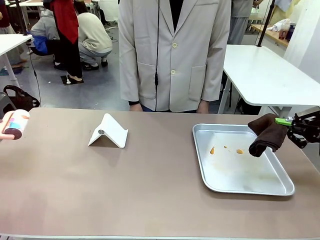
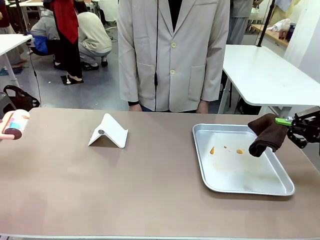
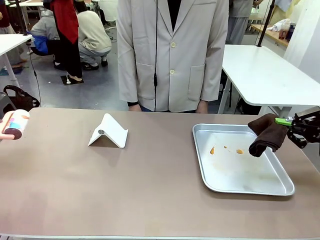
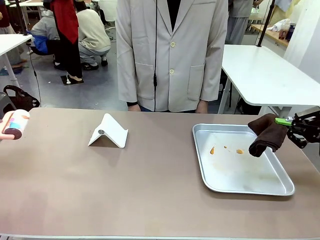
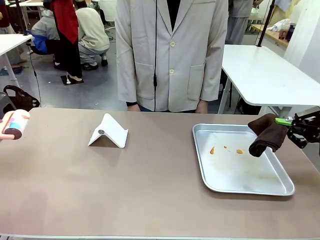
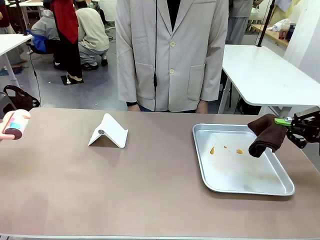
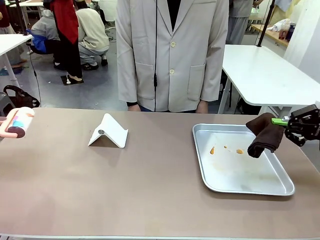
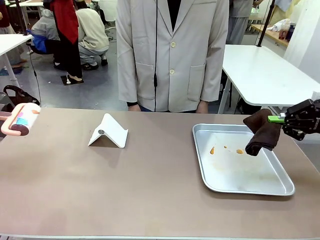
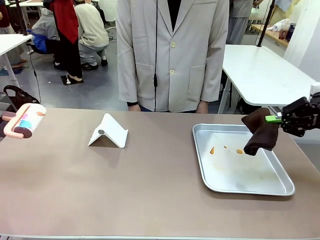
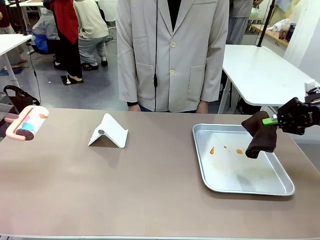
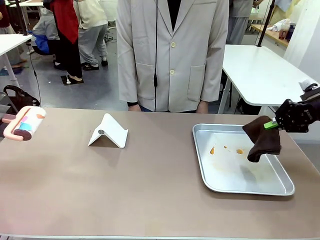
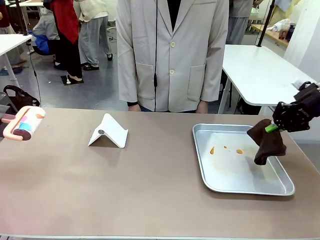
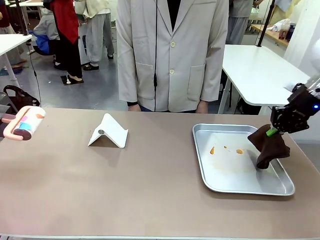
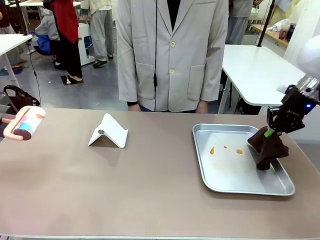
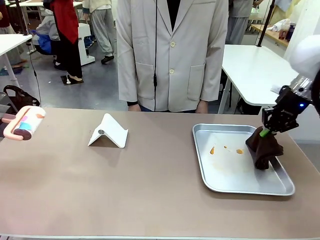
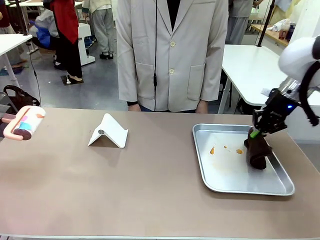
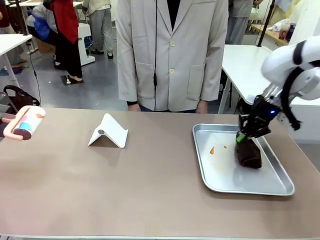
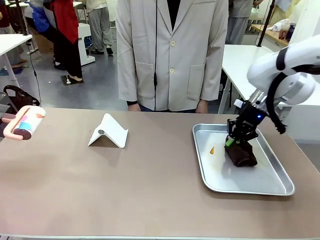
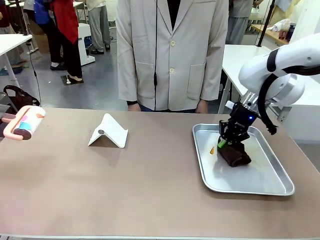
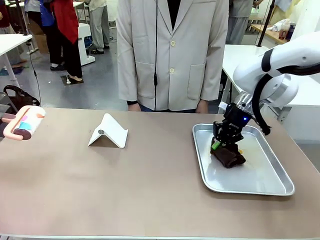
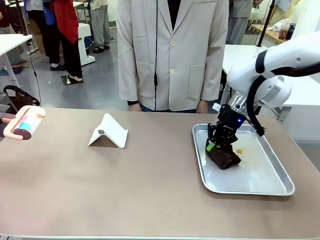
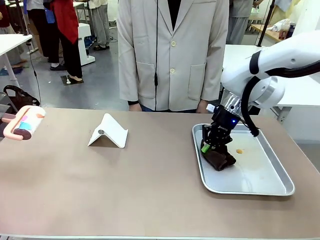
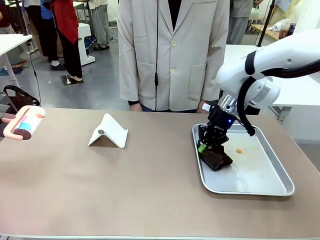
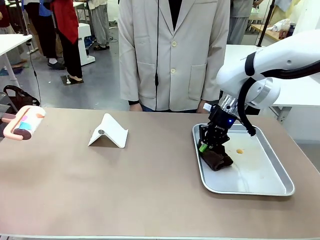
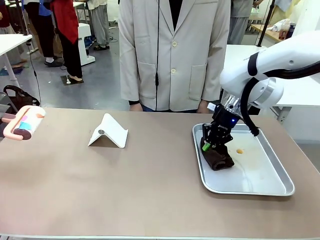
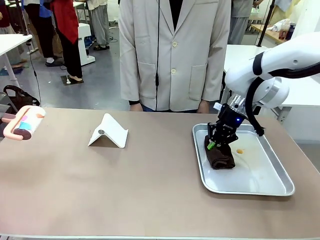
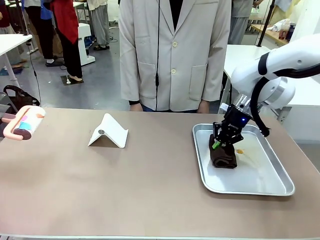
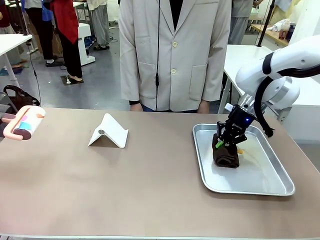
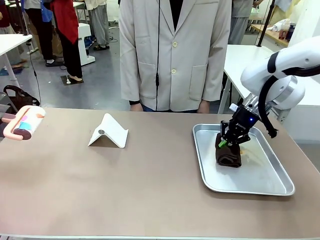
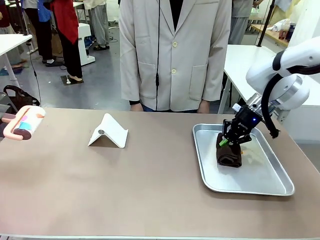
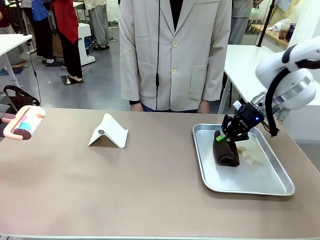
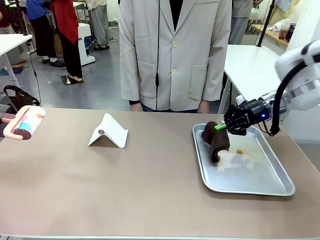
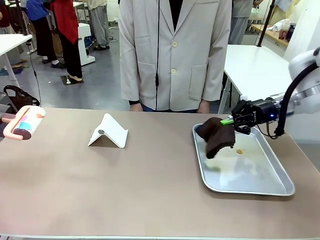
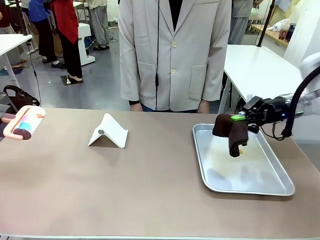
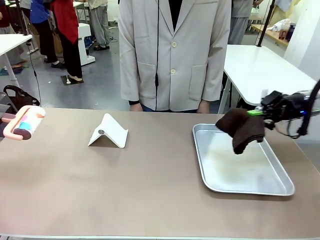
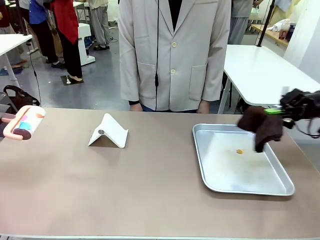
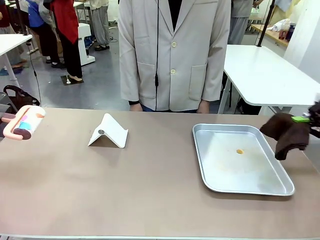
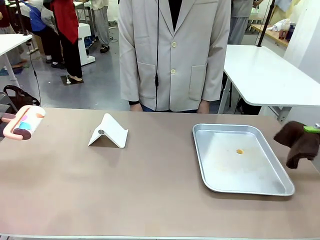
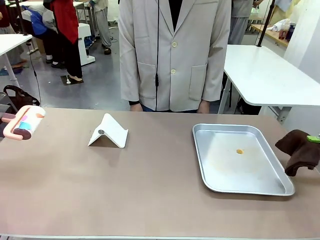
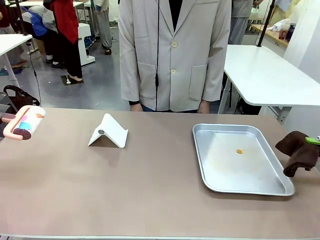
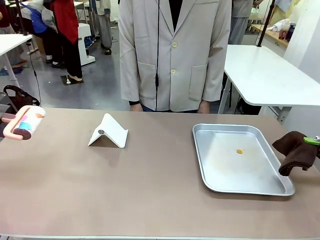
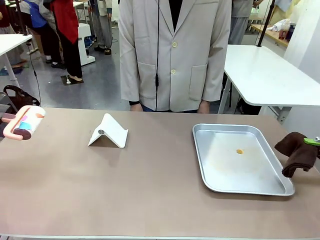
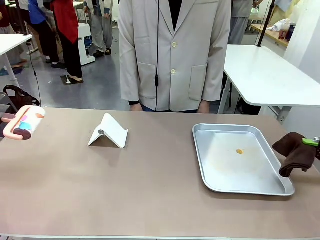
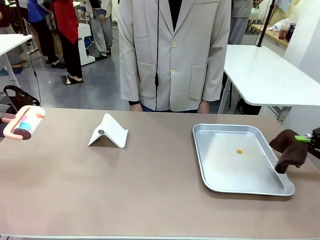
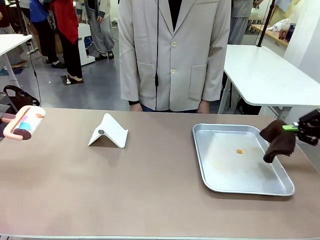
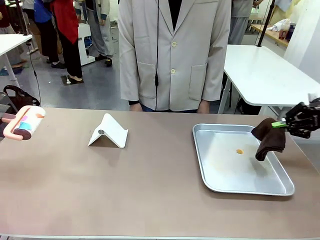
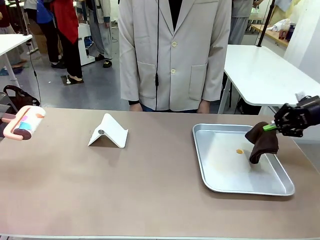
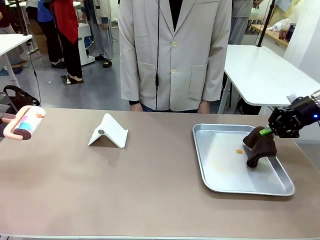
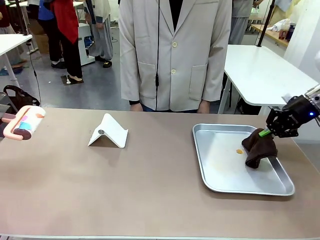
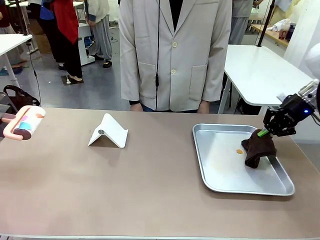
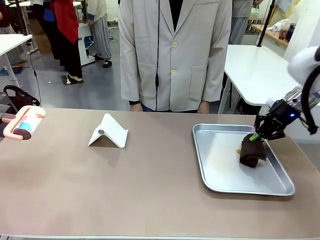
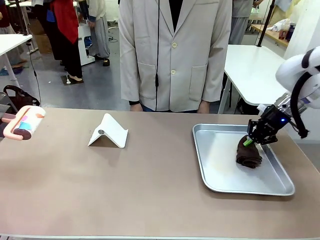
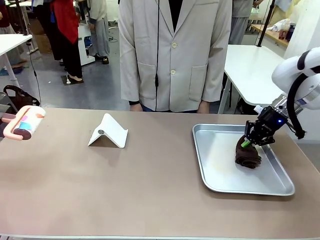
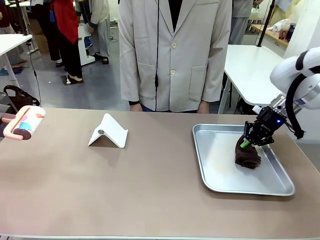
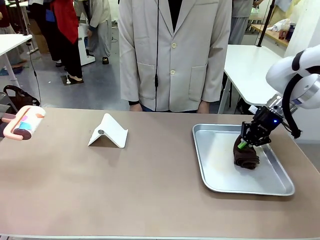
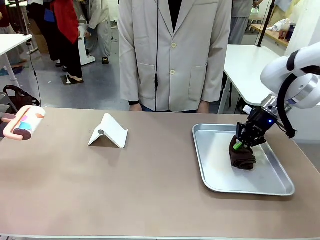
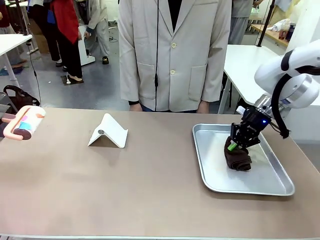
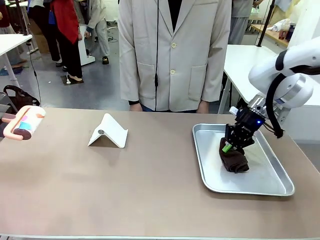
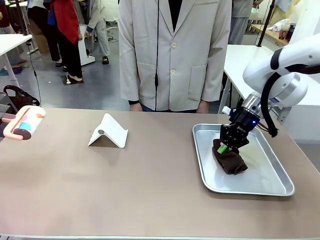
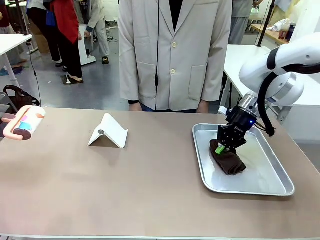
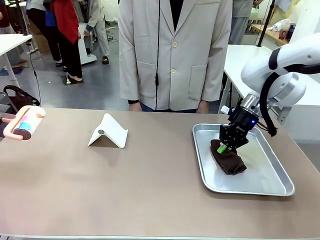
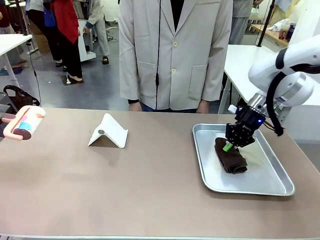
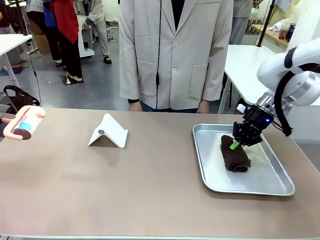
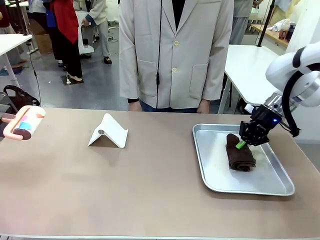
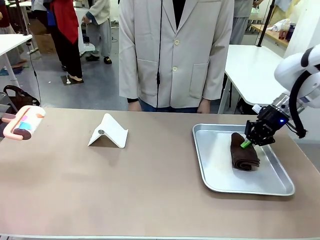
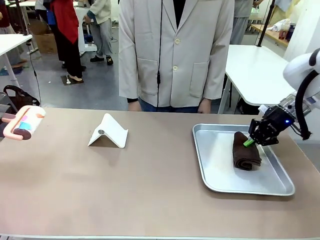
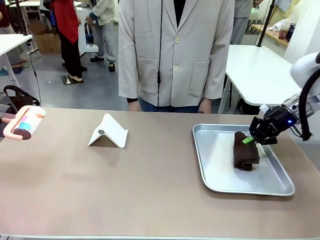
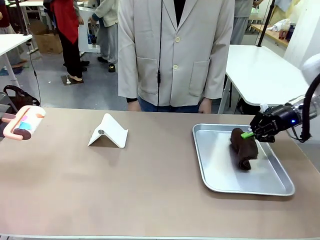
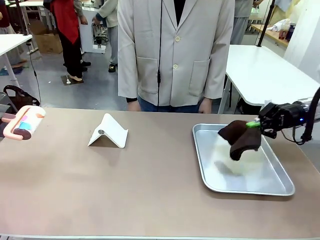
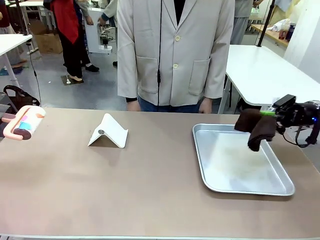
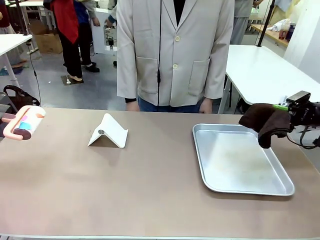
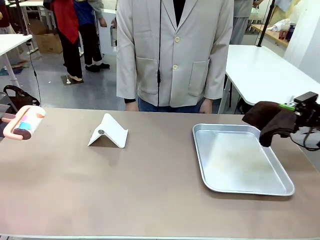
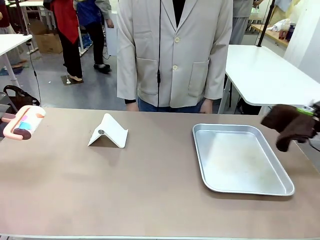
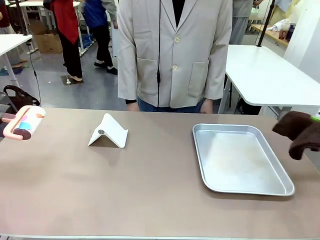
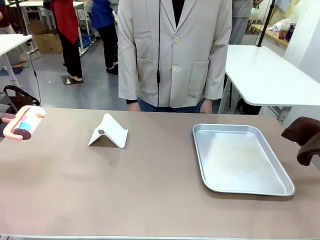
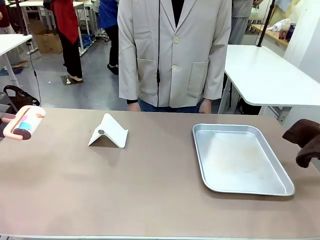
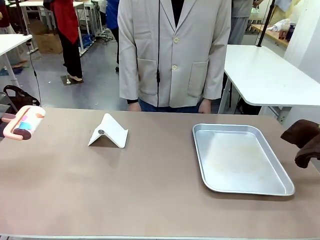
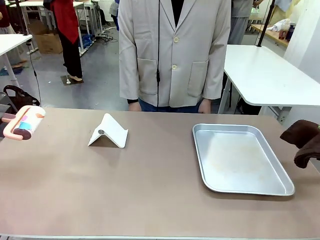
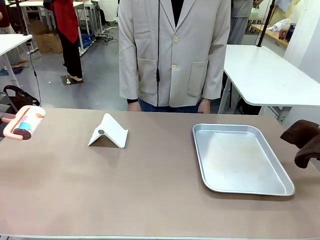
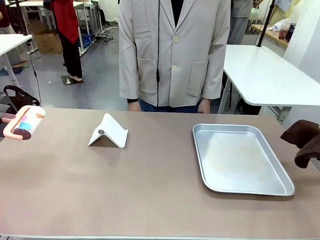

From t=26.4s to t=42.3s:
Task: Clean the surface of the table.
Robot: Clean the area not pointed to by the person.
